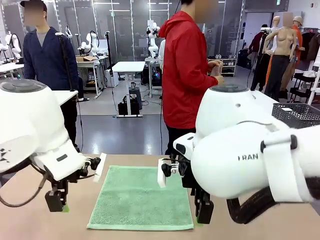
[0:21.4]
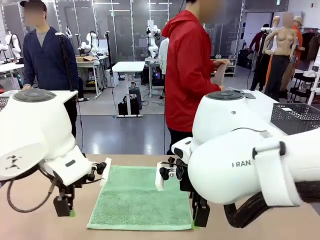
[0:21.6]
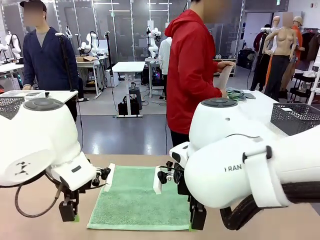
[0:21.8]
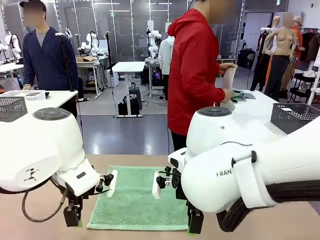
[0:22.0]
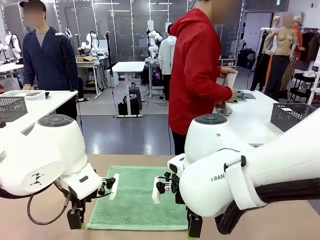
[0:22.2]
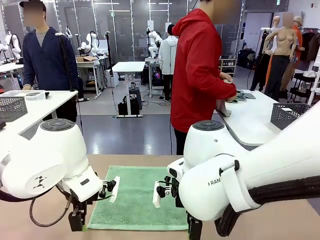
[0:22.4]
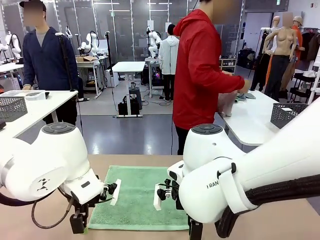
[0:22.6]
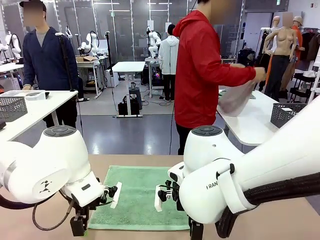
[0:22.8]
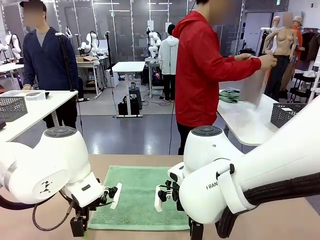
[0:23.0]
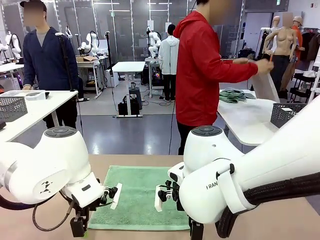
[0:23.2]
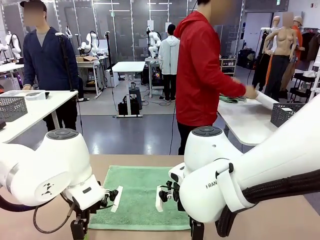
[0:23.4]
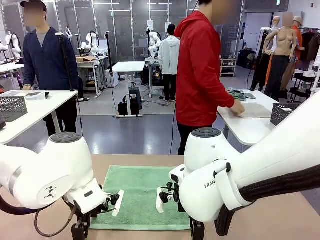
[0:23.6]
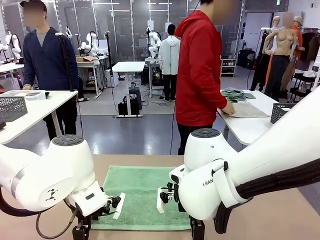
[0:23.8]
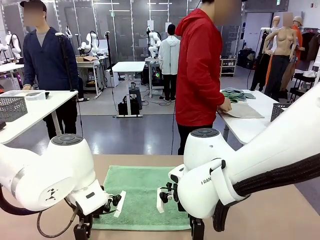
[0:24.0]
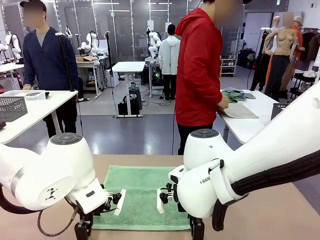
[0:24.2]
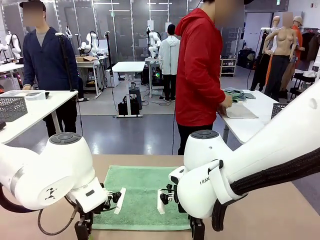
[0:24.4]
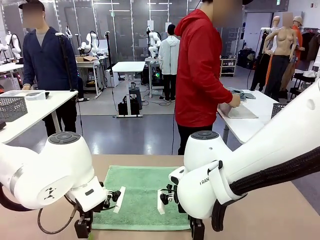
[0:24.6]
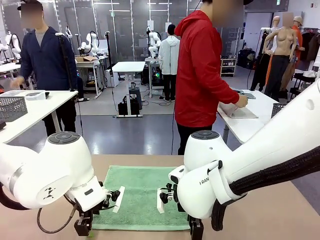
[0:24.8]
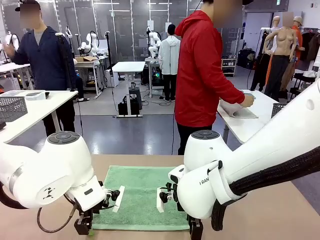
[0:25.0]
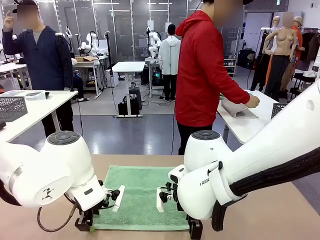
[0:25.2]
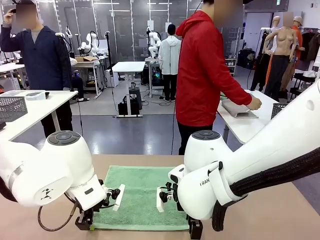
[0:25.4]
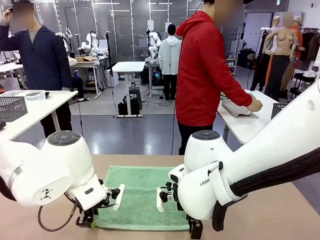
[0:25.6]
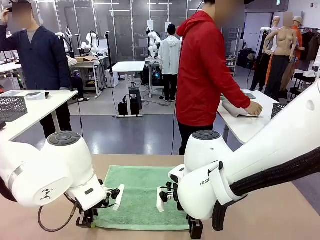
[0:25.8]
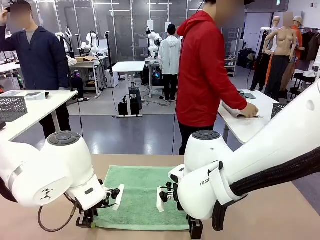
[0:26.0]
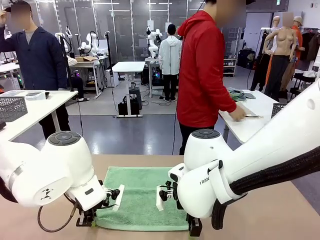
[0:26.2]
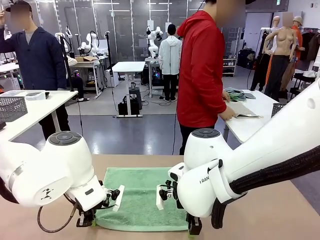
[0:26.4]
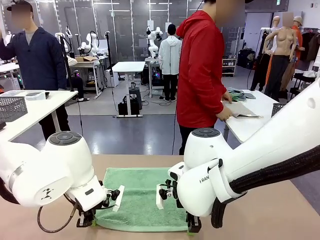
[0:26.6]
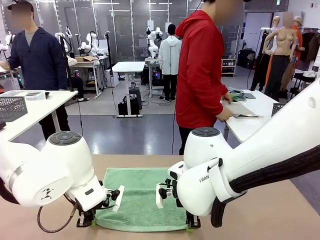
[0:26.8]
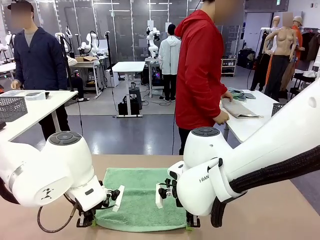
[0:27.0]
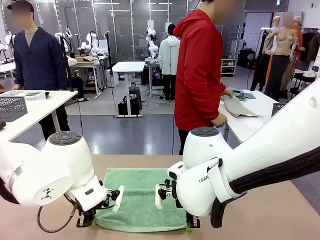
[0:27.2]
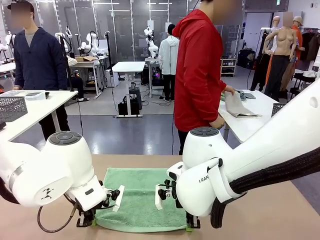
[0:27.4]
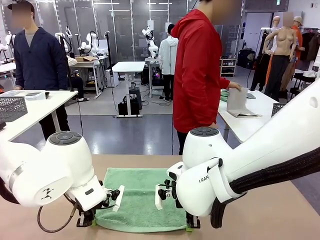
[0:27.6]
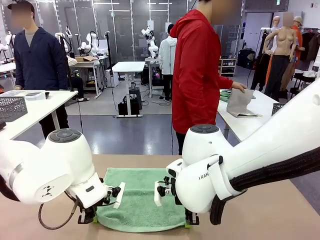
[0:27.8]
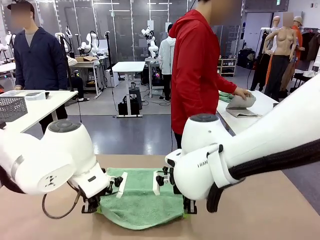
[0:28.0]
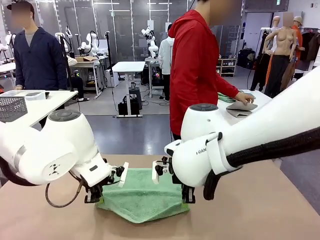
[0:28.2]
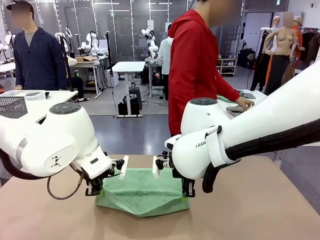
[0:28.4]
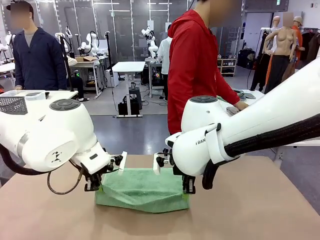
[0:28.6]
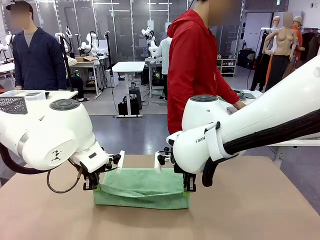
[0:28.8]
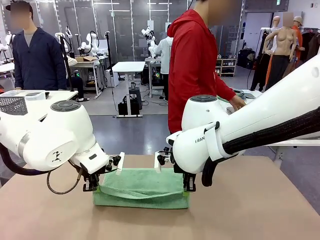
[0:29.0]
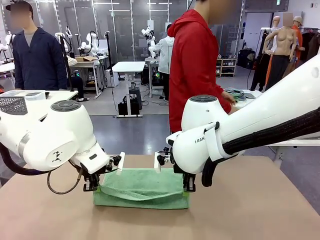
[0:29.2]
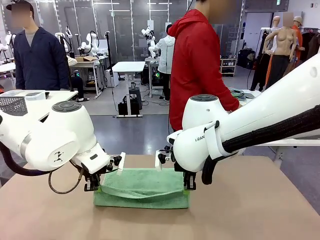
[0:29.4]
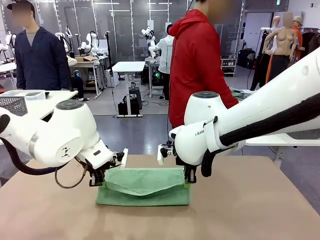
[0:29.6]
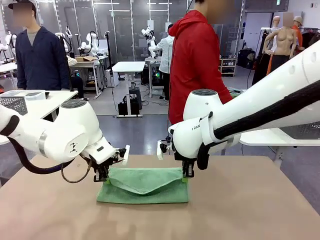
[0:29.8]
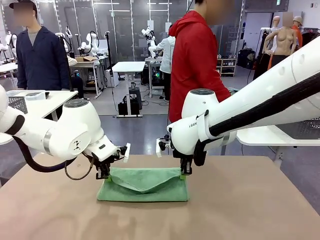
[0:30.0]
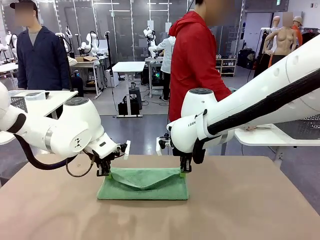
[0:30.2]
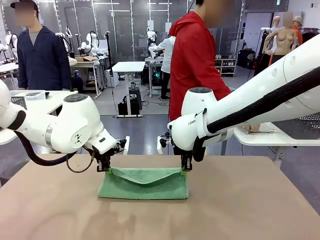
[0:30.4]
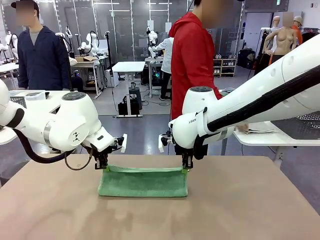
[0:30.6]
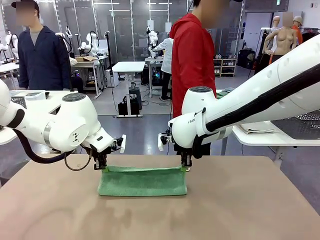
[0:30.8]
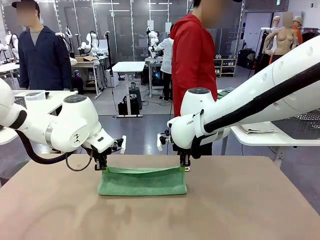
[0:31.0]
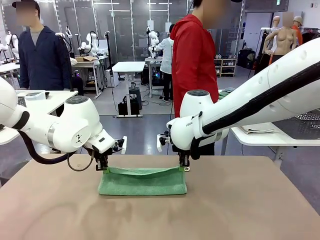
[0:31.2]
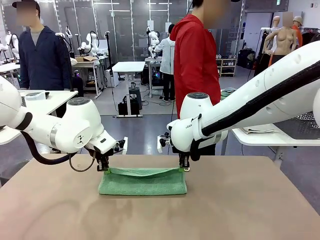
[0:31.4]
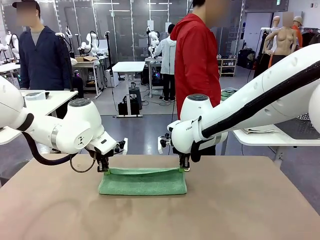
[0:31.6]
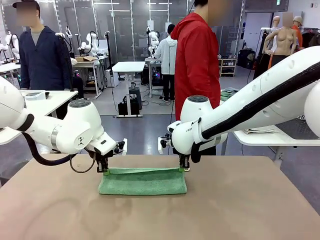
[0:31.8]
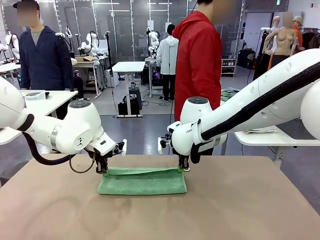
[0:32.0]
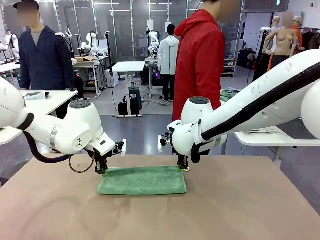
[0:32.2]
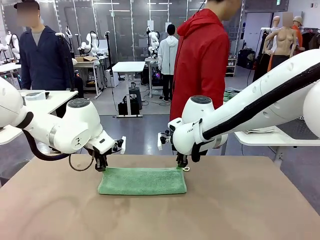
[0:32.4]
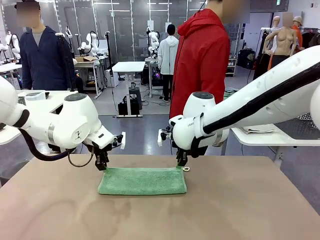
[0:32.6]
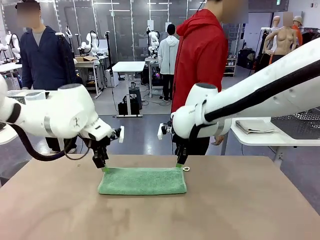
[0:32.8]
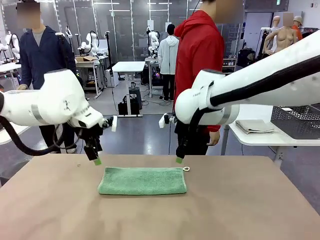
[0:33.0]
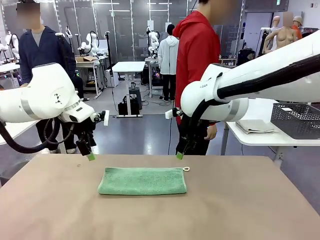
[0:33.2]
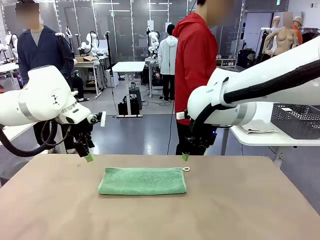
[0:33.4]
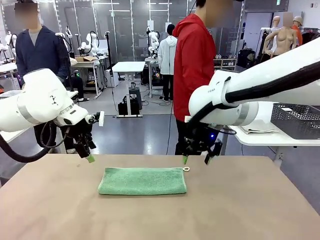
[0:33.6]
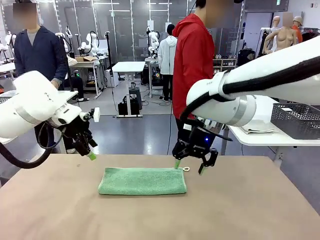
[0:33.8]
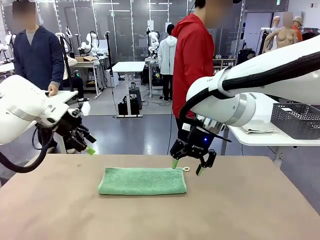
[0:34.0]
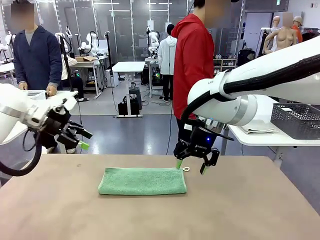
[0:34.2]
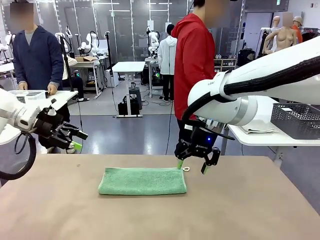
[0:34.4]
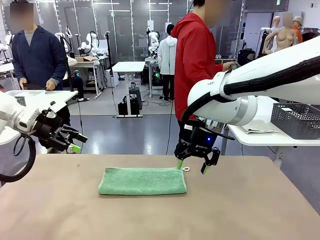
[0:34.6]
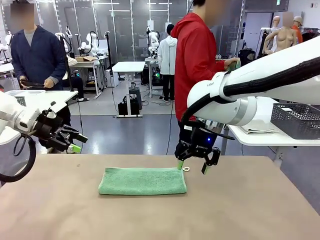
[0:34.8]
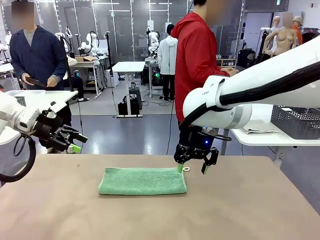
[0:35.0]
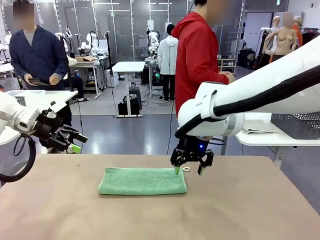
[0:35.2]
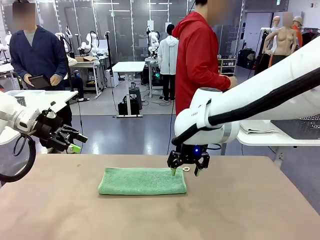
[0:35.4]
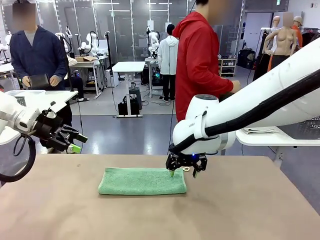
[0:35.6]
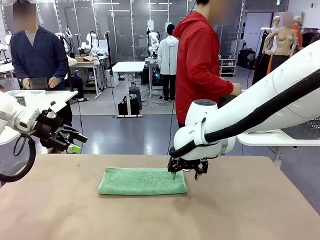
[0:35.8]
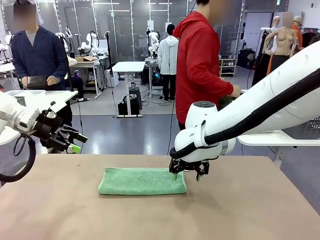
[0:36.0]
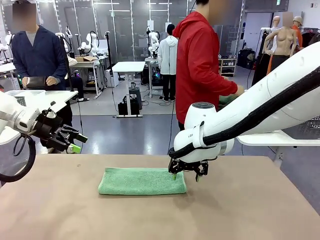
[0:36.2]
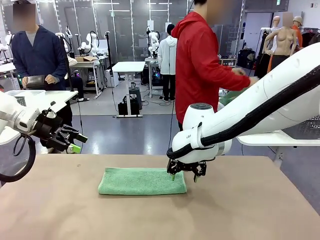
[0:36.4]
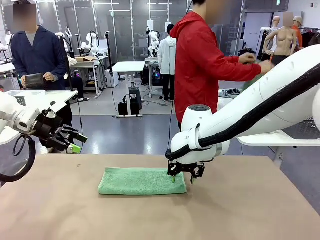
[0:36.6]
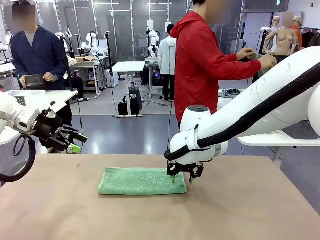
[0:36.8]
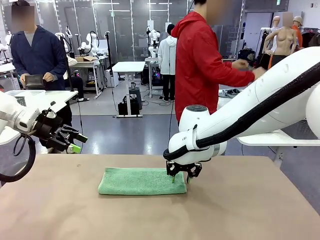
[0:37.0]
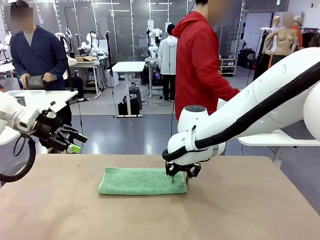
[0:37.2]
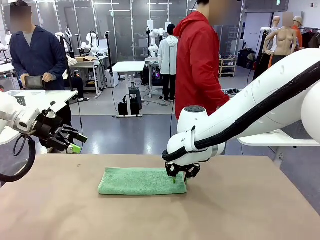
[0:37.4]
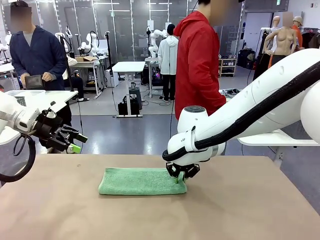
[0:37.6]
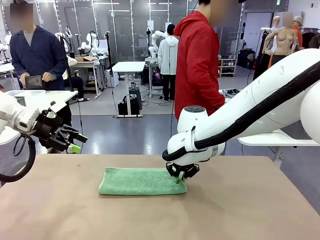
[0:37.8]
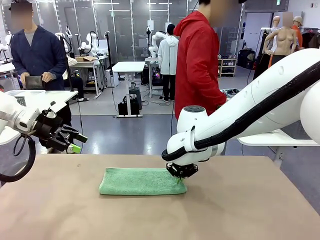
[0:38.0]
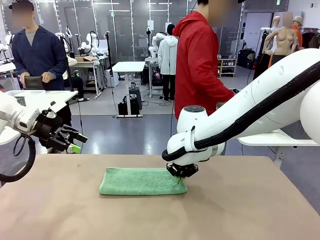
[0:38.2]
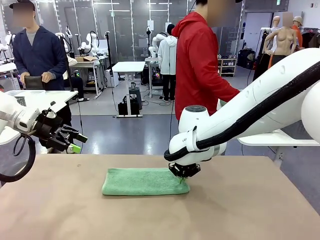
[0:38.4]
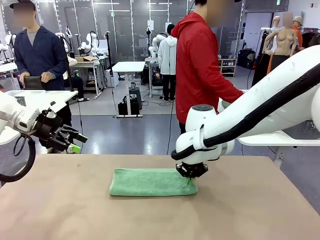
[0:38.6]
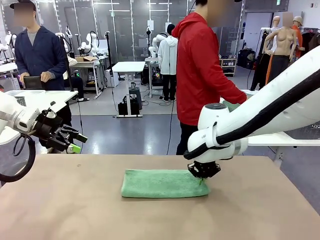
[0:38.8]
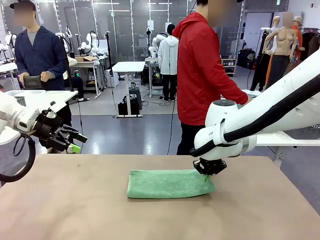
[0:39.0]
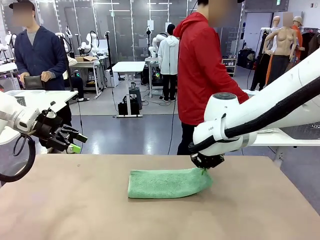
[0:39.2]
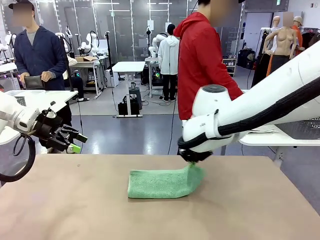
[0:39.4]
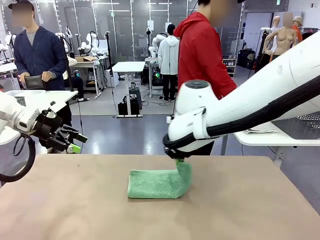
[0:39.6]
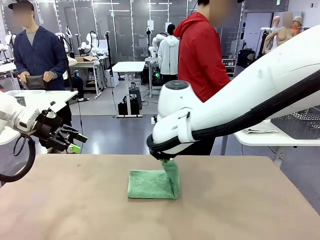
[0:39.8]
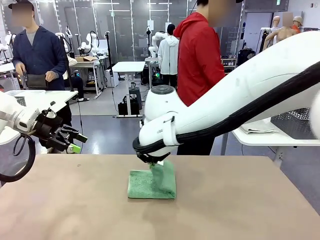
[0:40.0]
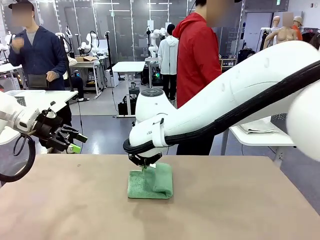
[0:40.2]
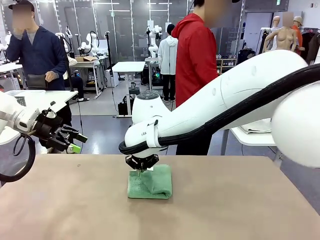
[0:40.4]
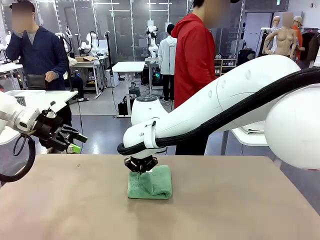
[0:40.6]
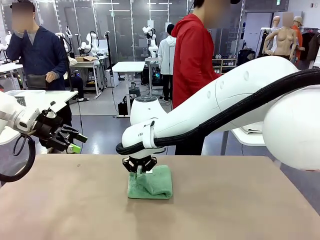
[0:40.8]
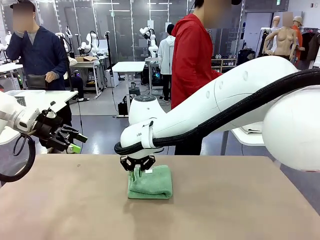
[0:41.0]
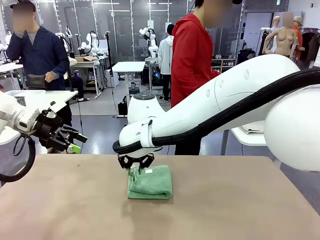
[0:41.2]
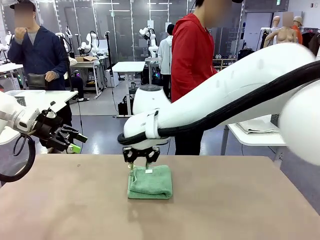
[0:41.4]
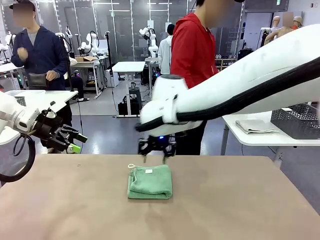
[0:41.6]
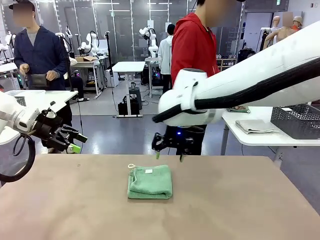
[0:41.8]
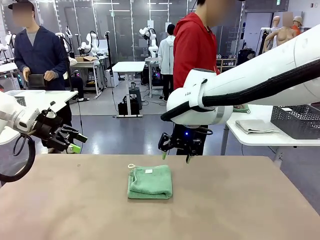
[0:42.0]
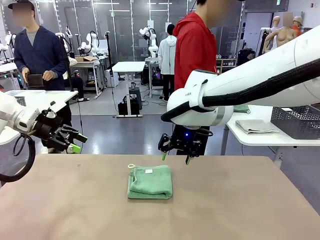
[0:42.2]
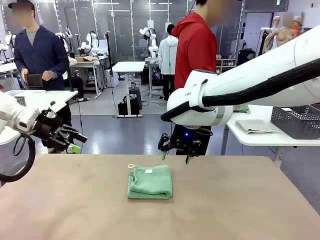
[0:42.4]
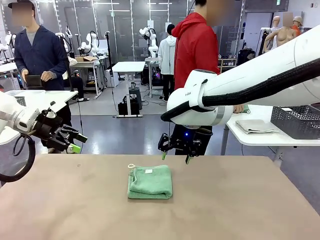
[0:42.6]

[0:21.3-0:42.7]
Task: Fold the towels and place them in the basket.
Robot: When a person lays out a Towel with hook on the table, fold it in half twice.
Person: Pick up one towel from the left side of the human table, fold it in half twice, and place it on the right side of the table. Pick up one towel from the left side of the human table, fold it in half twice, and stack it on the right side of the table.
